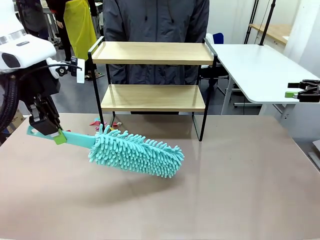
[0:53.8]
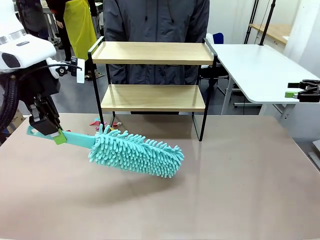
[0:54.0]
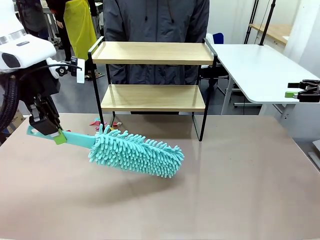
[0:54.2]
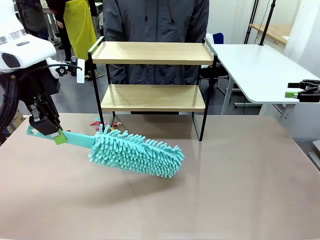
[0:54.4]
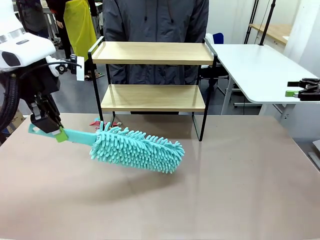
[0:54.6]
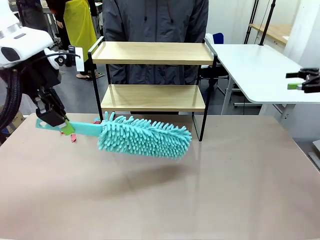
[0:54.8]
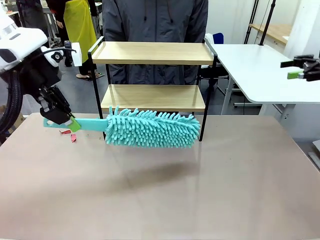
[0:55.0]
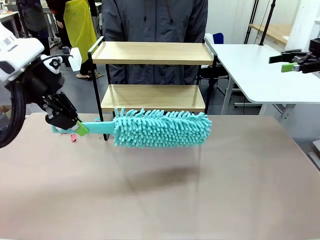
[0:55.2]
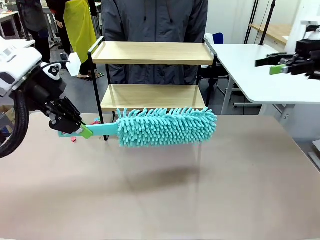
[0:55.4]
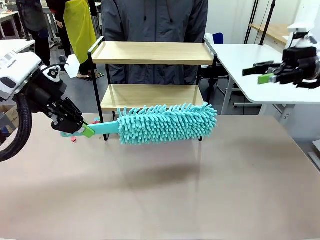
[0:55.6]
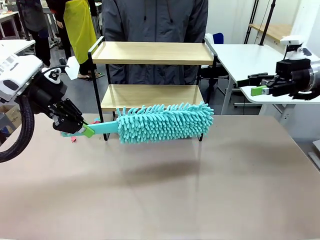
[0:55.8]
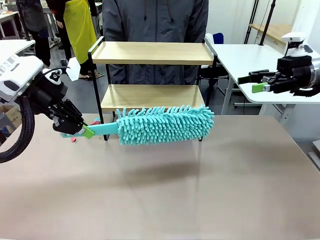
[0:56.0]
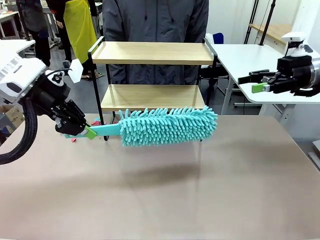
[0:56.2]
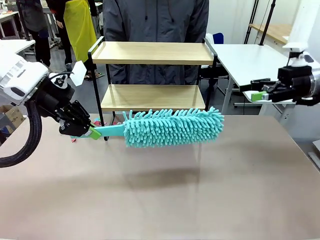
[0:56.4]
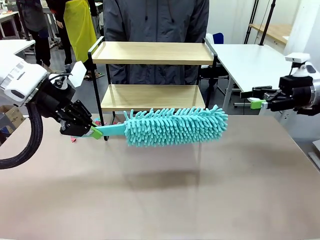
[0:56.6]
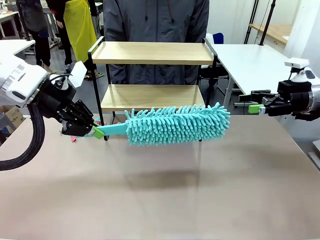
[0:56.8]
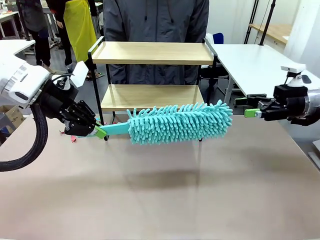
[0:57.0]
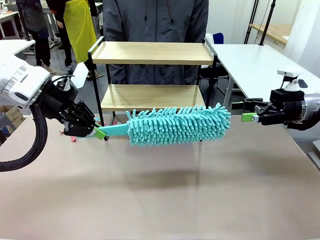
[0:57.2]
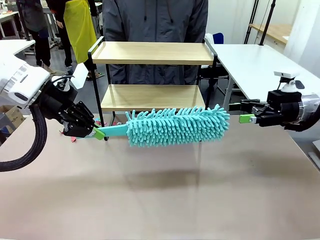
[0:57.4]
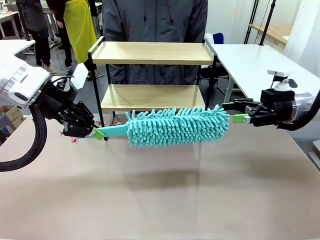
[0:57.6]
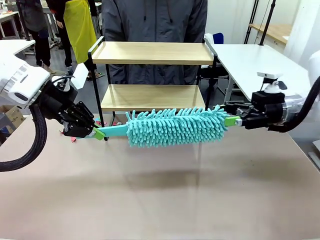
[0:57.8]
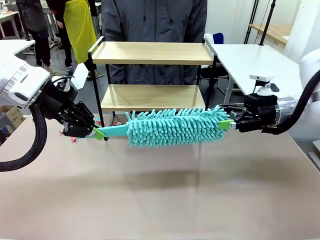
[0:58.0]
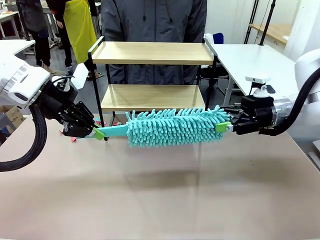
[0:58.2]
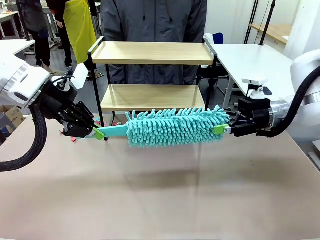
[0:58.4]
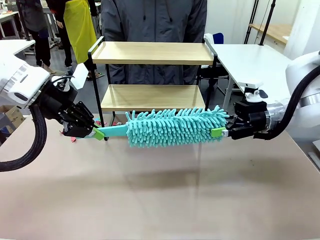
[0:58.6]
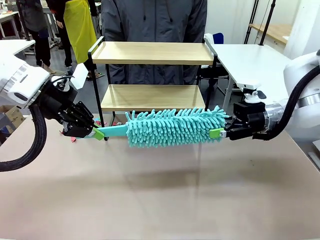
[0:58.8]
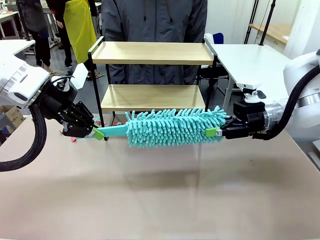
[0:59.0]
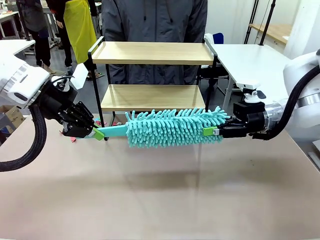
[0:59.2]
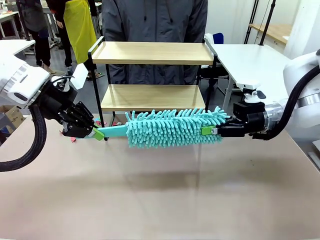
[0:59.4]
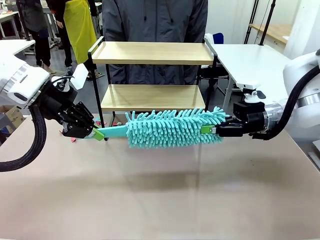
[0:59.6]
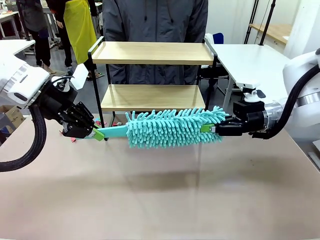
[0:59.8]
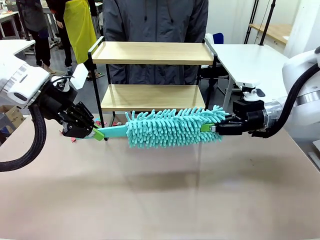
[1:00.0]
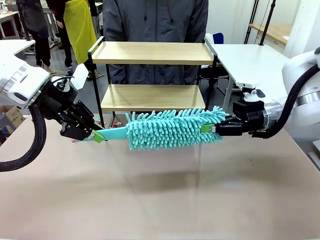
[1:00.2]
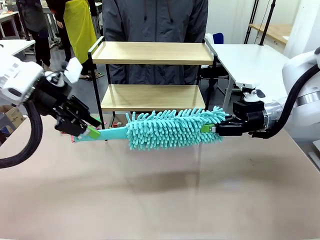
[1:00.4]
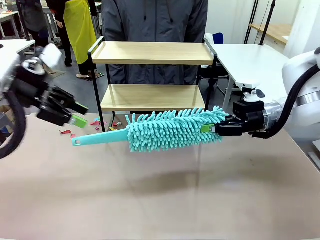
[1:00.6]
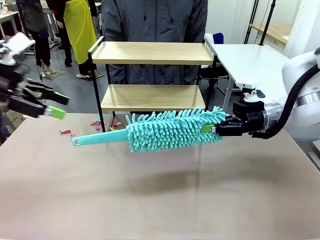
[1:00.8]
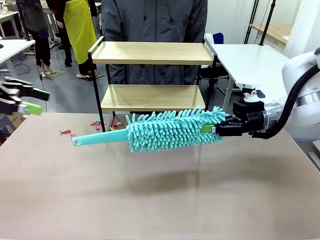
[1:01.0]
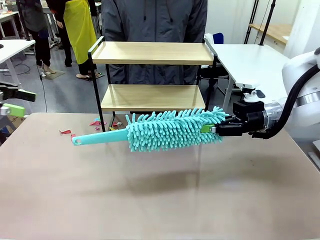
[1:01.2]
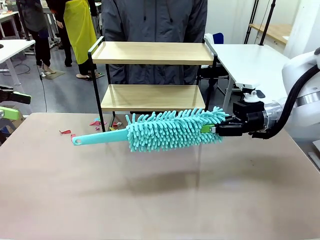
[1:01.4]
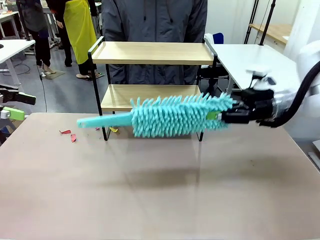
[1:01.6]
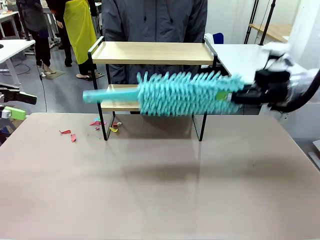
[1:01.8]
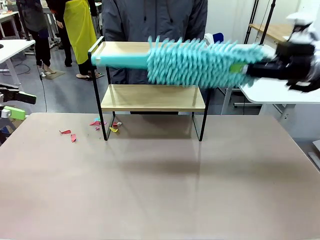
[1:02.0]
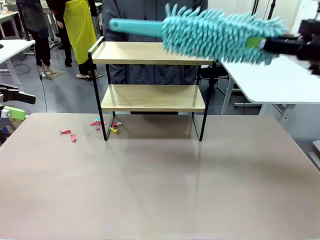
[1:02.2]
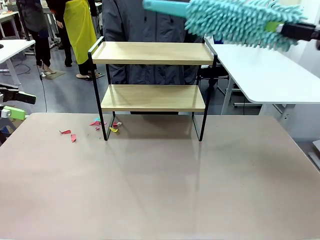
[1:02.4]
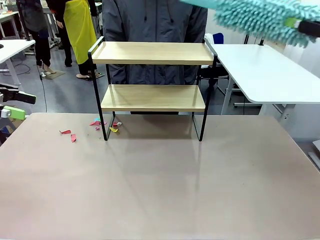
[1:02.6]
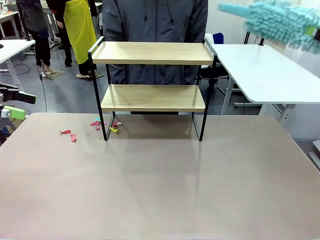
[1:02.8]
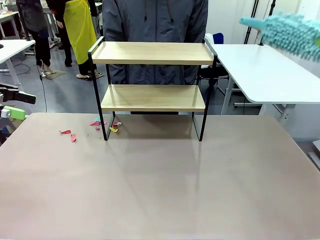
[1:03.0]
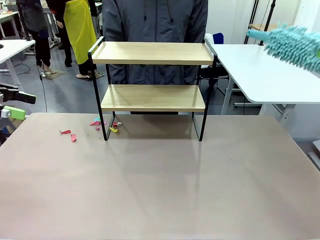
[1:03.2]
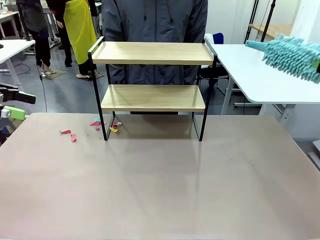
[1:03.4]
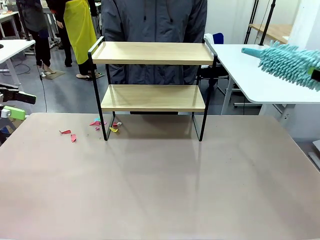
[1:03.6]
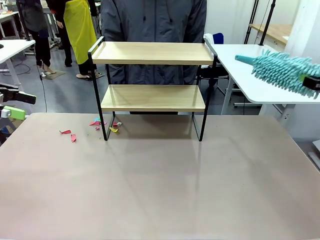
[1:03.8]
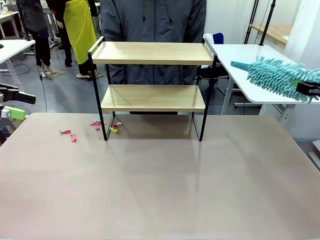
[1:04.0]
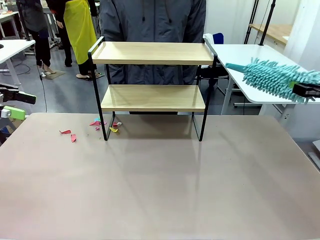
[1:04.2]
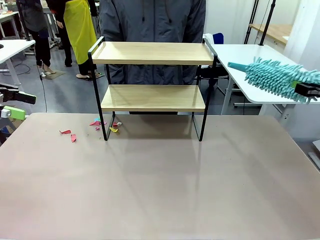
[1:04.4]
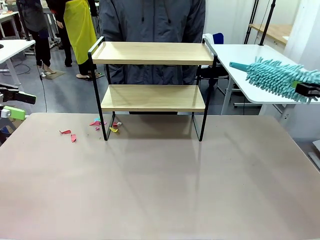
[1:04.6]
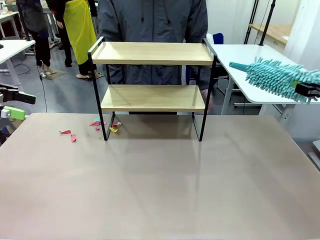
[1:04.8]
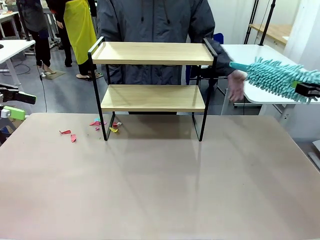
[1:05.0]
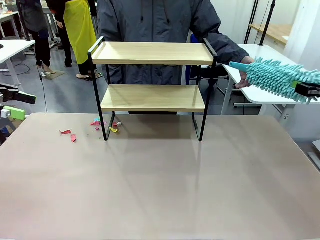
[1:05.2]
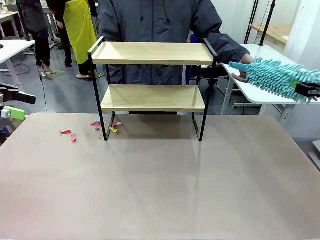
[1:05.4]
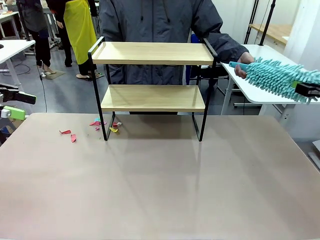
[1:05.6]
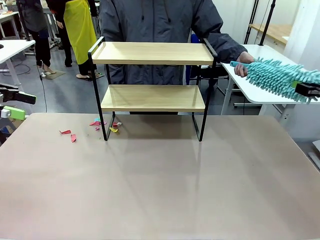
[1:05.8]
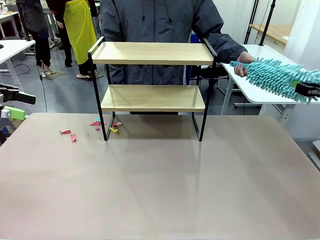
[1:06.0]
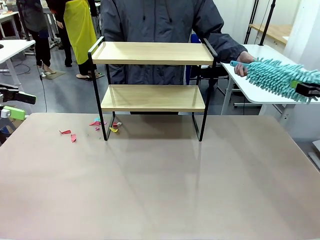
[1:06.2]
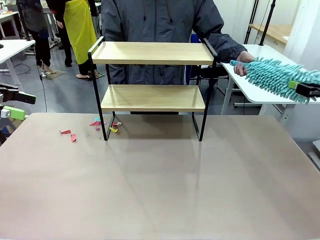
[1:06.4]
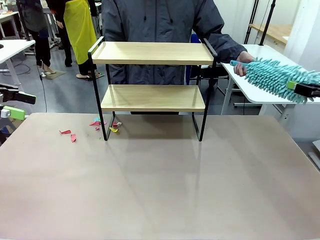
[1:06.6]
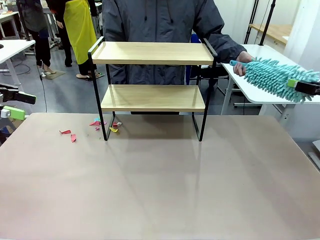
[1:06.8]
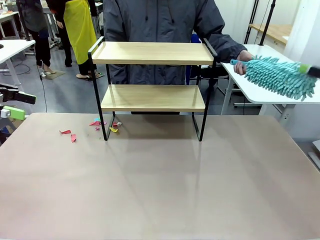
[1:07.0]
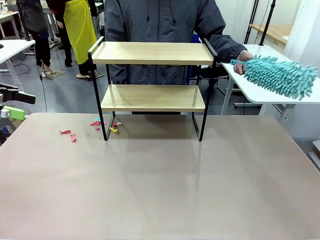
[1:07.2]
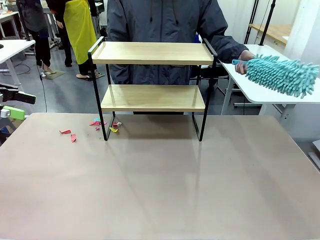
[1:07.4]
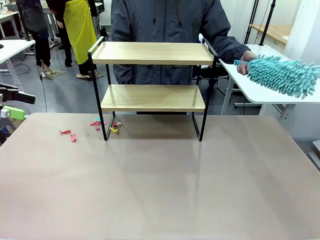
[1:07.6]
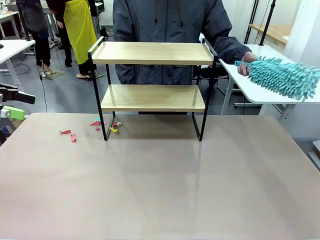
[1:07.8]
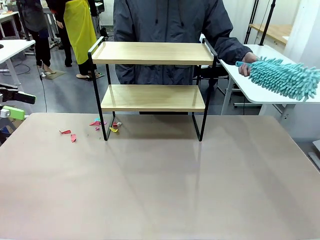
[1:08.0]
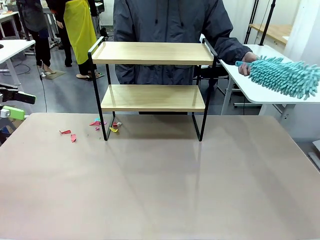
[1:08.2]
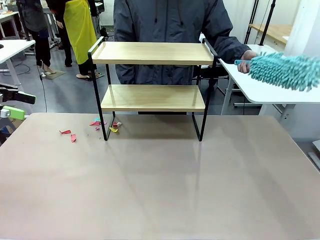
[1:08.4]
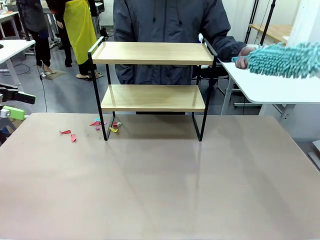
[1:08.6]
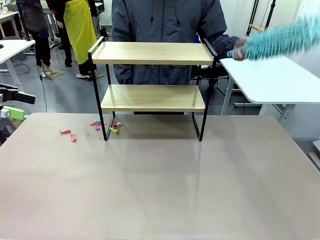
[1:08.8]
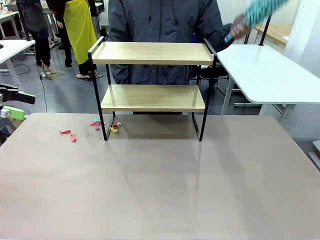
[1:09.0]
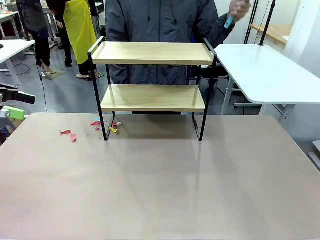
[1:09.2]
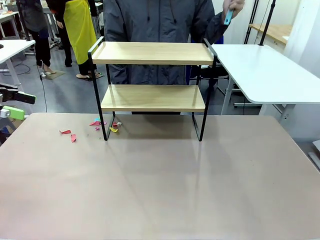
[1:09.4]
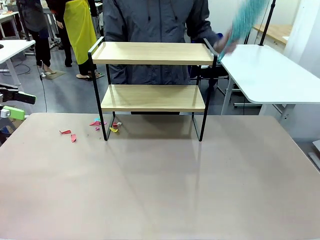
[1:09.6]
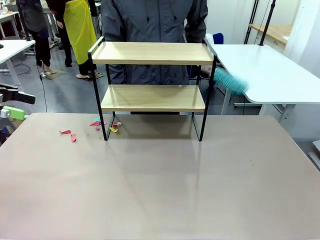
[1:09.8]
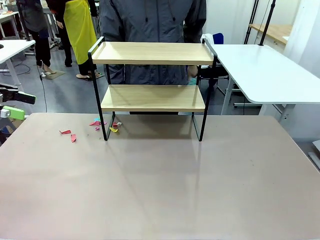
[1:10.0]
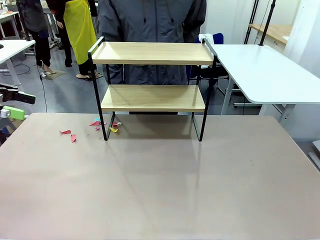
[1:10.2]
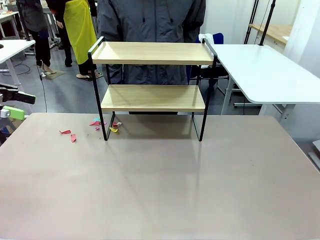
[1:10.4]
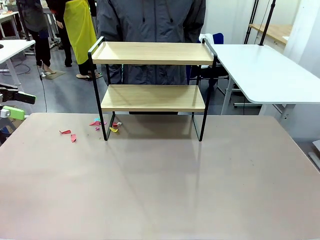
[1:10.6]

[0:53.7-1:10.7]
Task: Clean the shelf.
Robot: Hand the Duster back to the human.
Person: Receive the Duster from the robot.

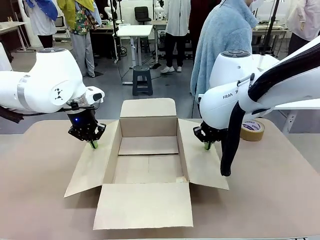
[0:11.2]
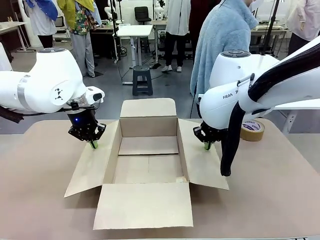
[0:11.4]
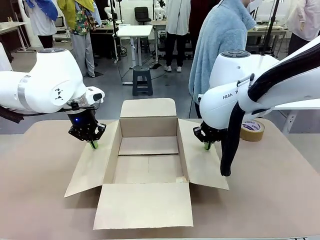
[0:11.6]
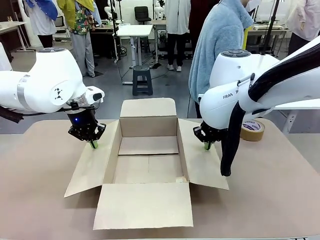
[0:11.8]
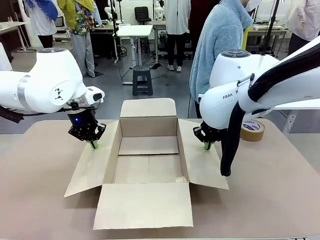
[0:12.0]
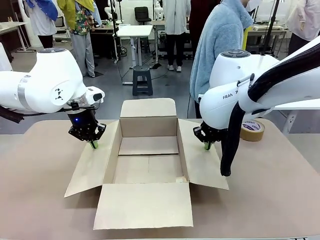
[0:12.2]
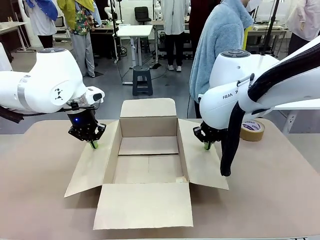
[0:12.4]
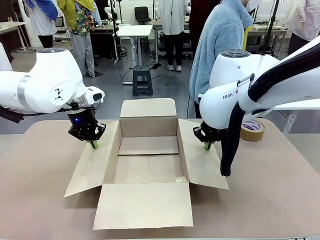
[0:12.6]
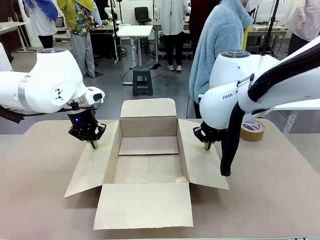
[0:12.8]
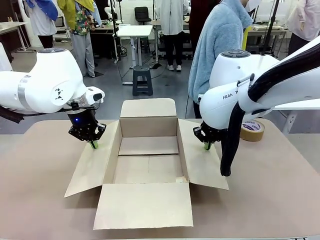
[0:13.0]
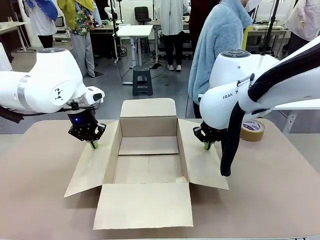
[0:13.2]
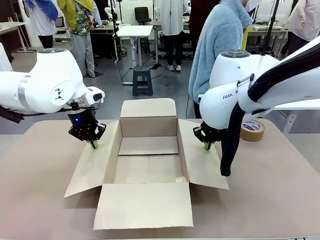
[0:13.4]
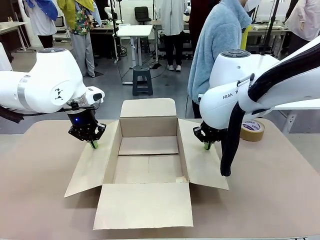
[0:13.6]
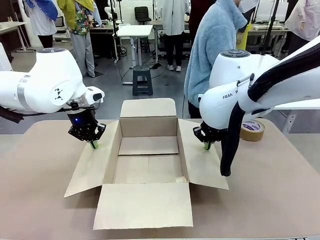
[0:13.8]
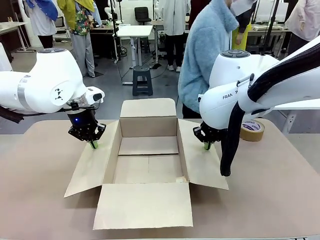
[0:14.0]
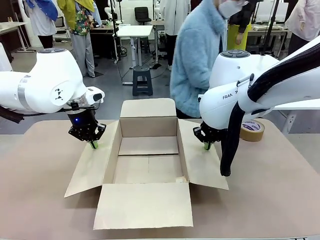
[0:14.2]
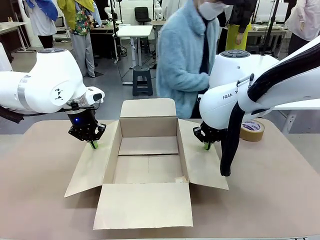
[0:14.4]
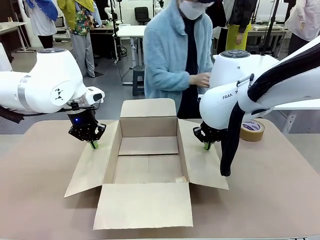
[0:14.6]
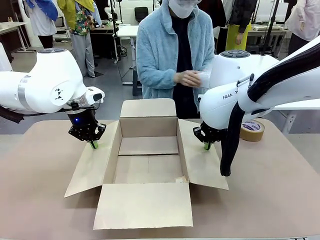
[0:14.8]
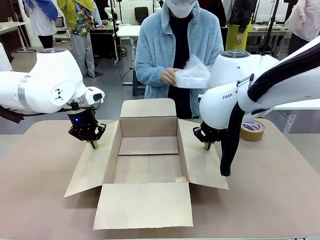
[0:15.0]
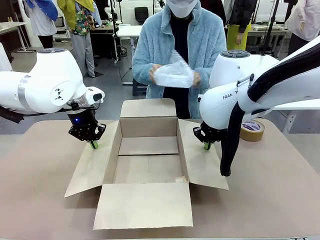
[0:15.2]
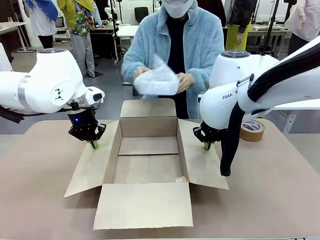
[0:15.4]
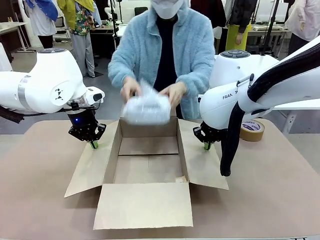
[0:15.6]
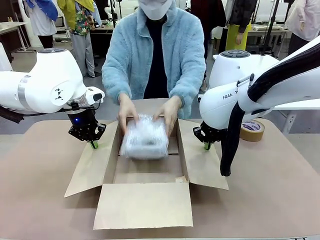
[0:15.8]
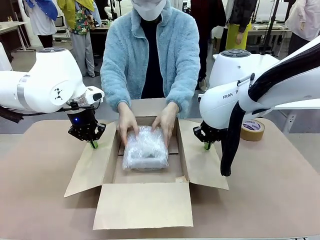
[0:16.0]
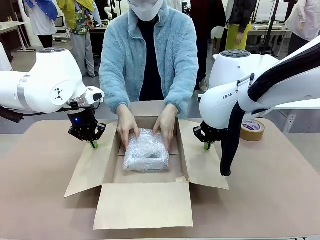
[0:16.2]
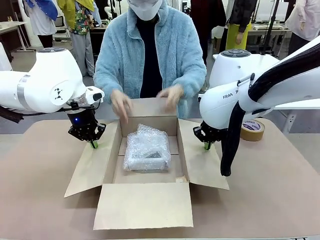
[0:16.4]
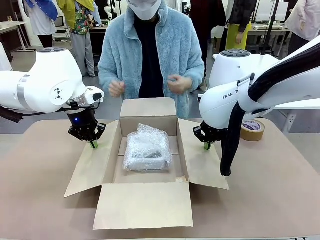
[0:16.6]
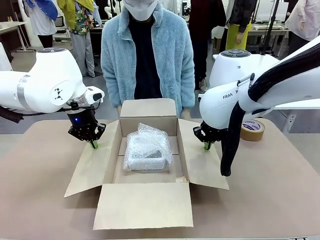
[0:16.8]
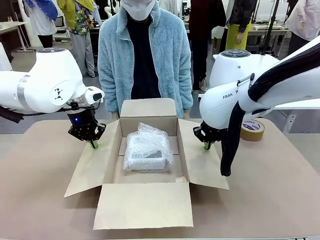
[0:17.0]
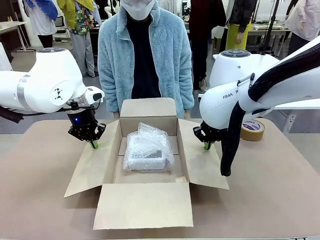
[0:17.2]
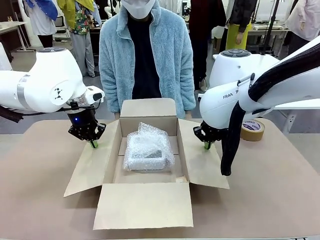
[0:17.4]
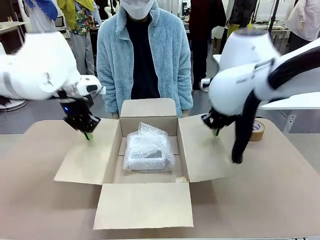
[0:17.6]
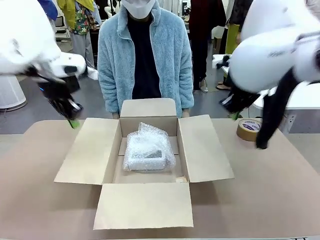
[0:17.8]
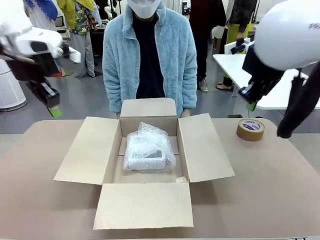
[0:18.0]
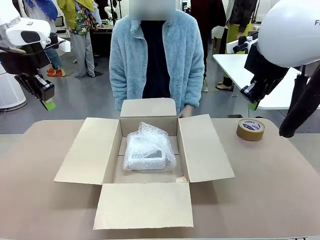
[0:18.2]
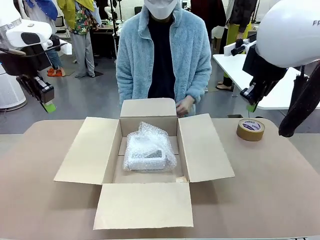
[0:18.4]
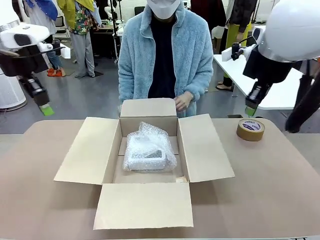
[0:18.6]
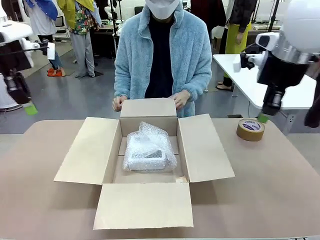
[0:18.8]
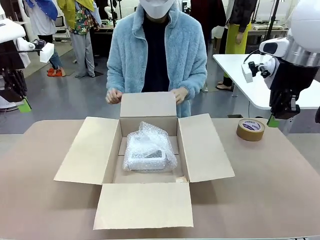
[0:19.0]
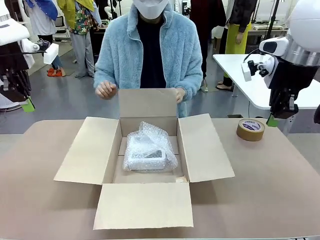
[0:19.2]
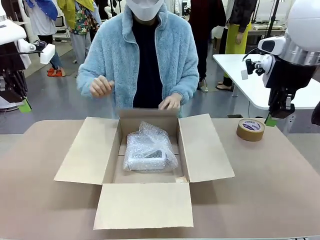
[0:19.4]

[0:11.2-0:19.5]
Task: Wrap the clocks to prevent damage.
Robot: Once the human has placed the objects inside and stepped back, release both hands from the side flaps of the Package Box.
Person: Place the wrapped Digital clocks inside the Package Box.
